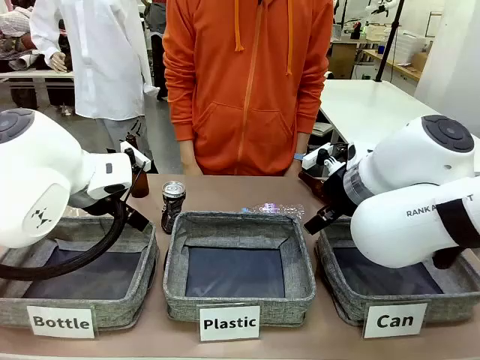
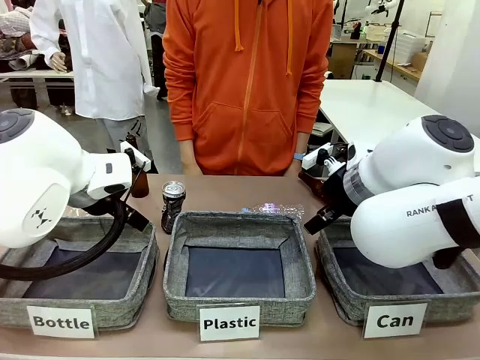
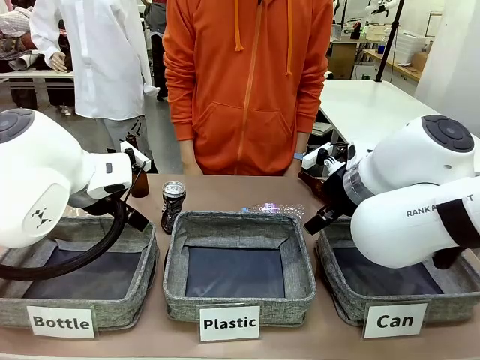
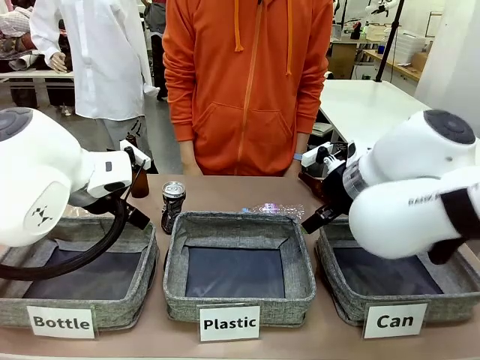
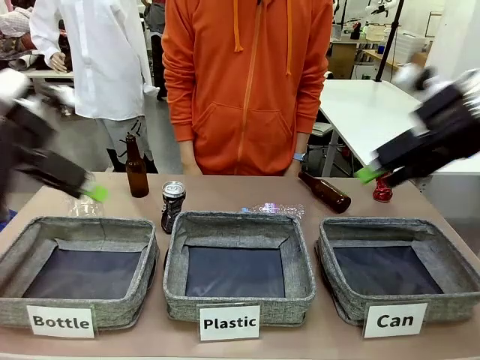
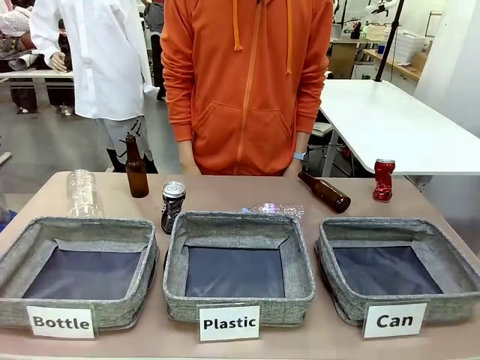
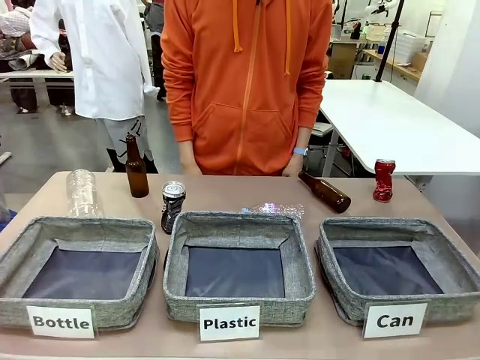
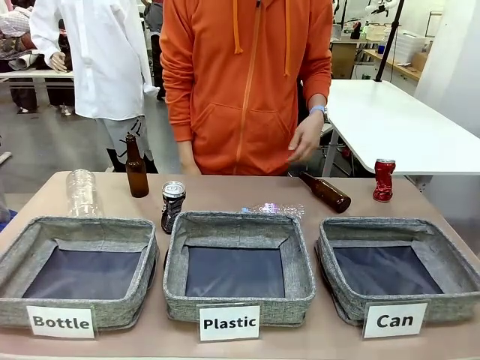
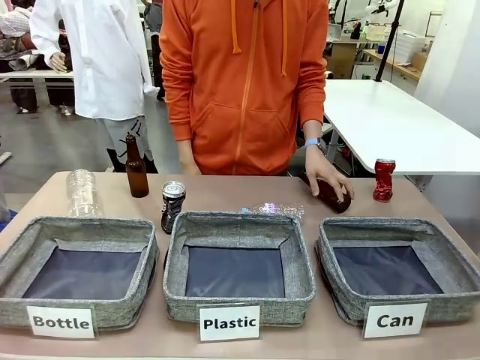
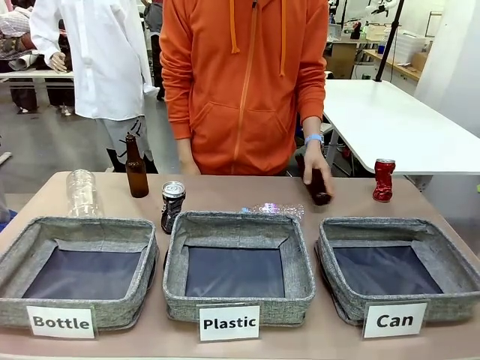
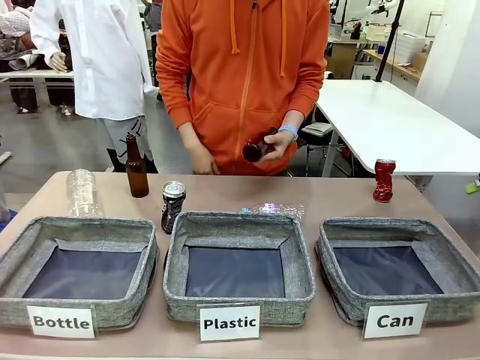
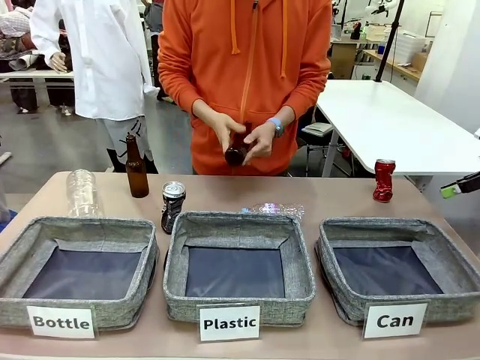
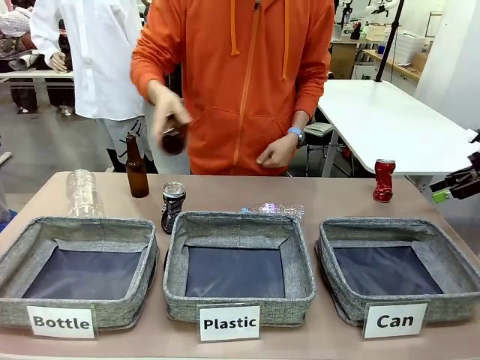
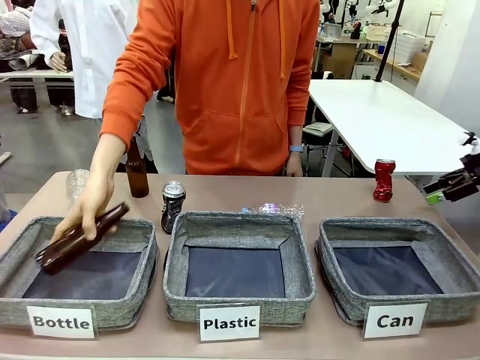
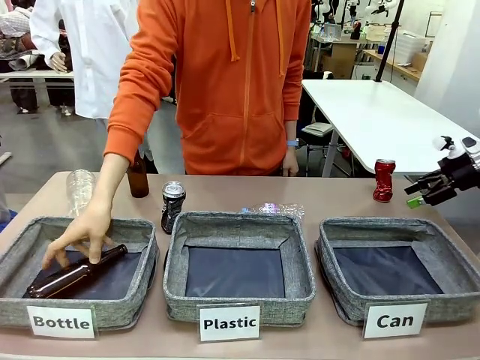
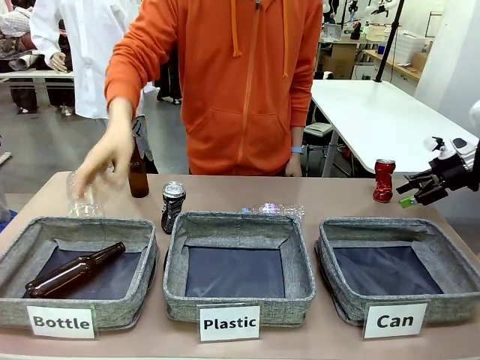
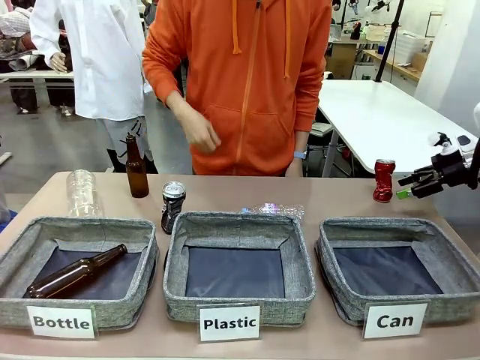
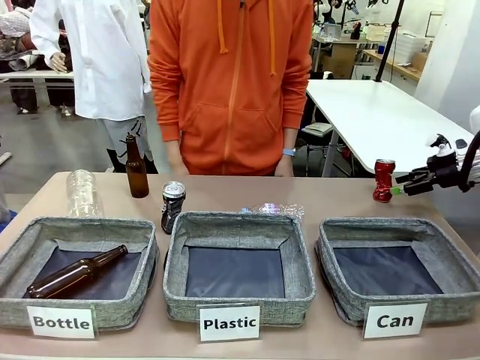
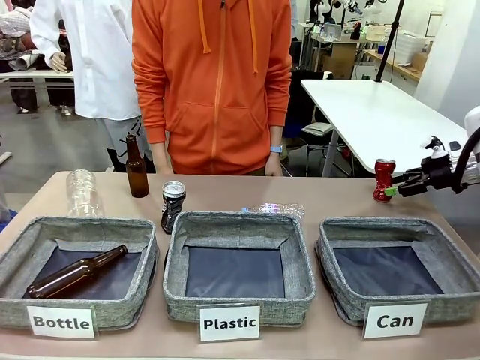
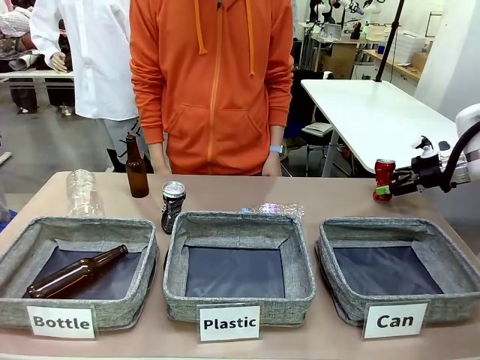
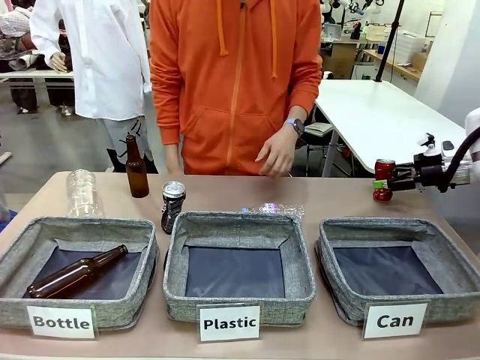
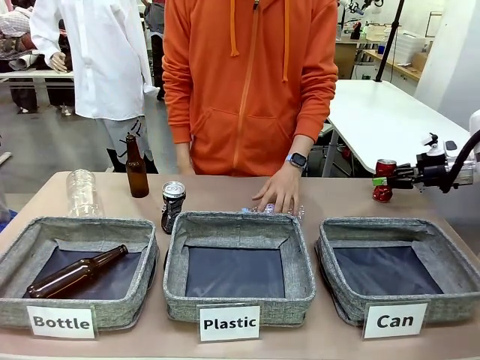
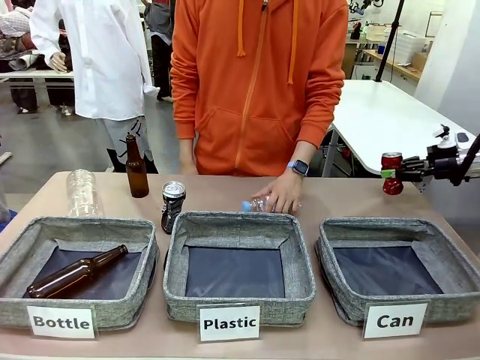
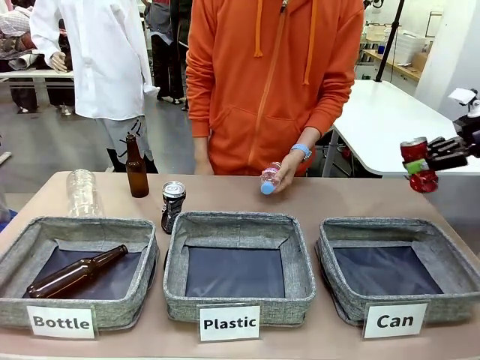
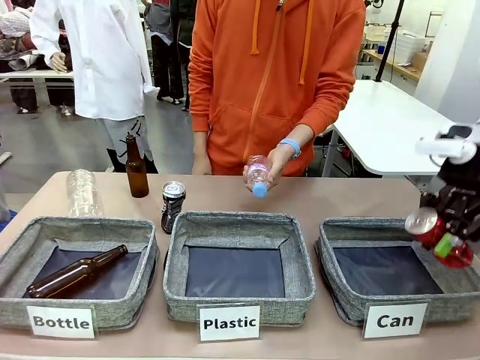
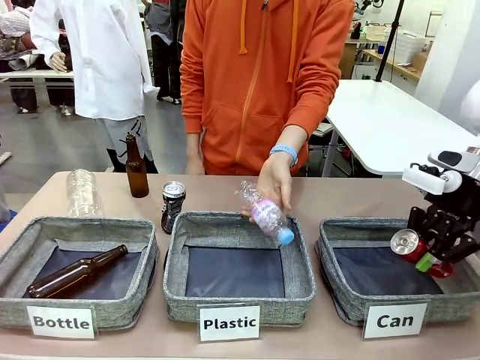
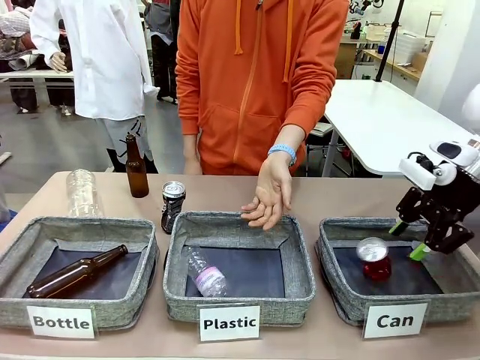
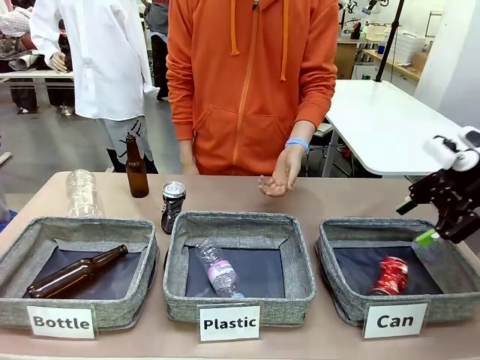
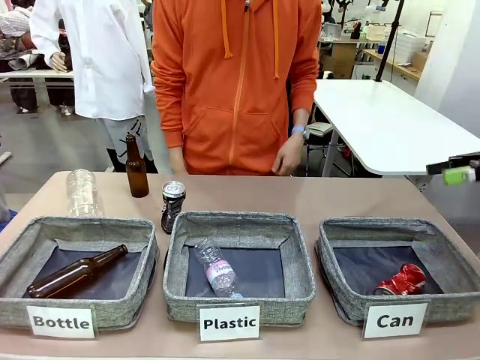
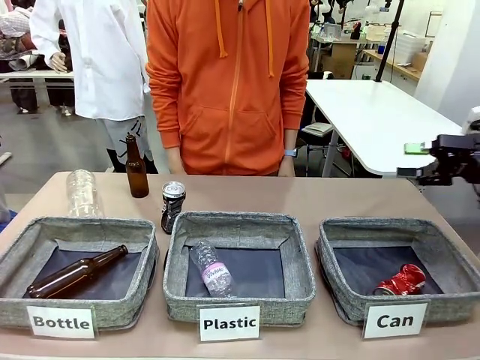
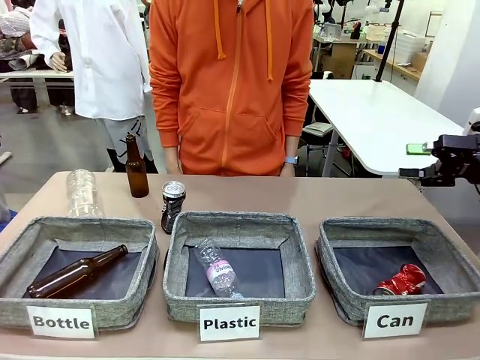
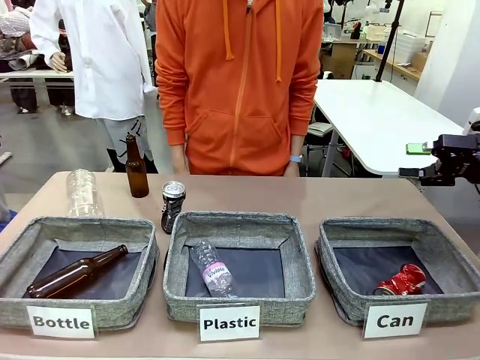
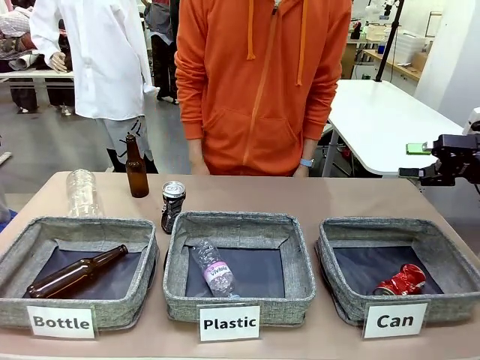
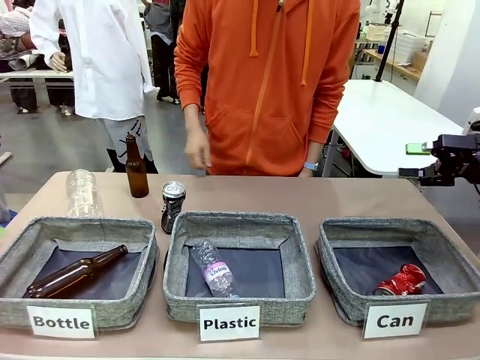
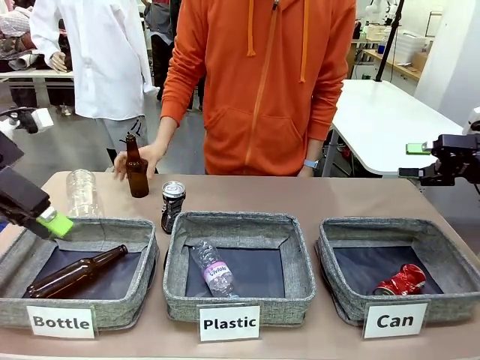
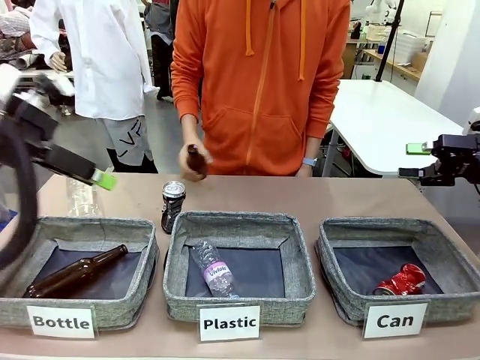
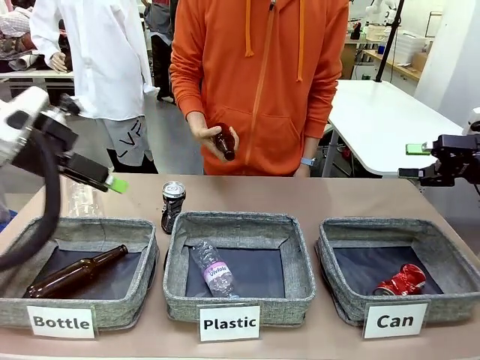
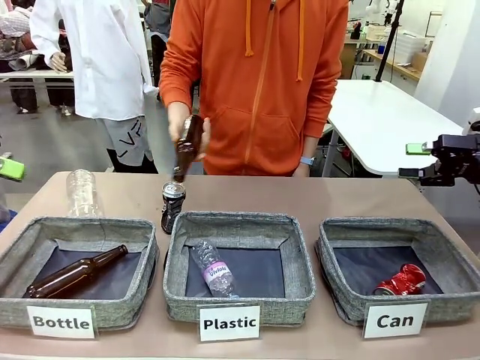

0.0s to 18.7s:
Task: Sort the can waste into the basket.
Robot: Pick up the can waste from the table and place it in the right Fabric basket.
